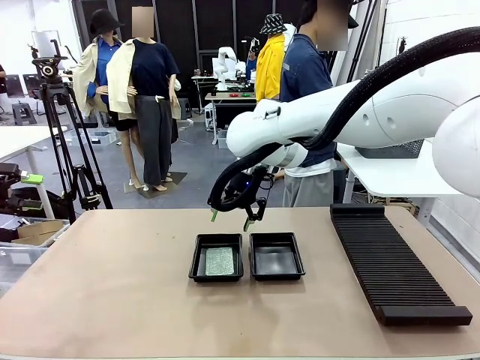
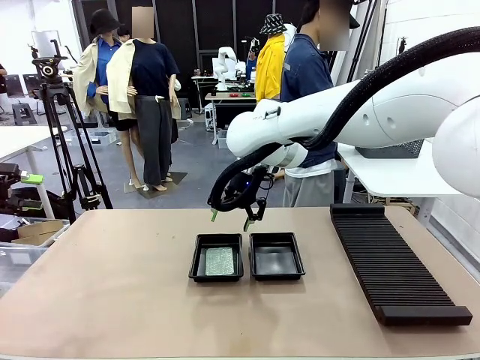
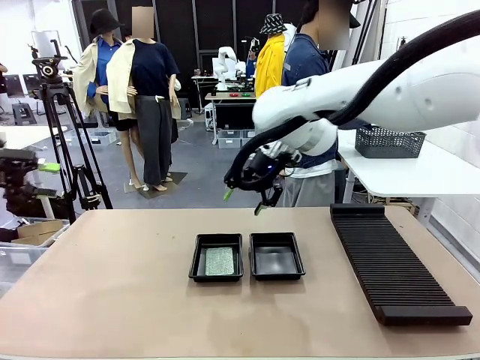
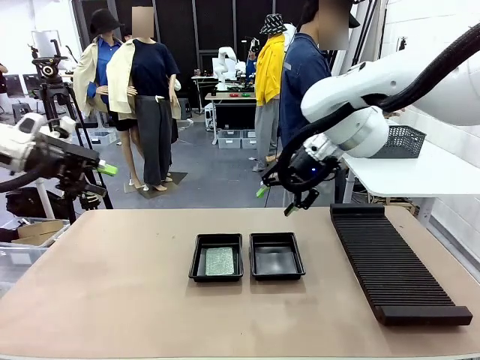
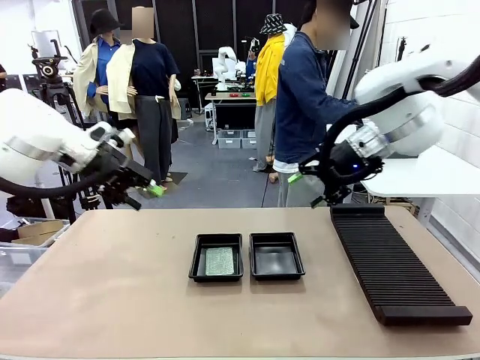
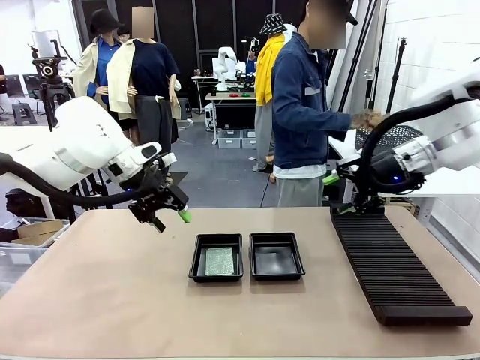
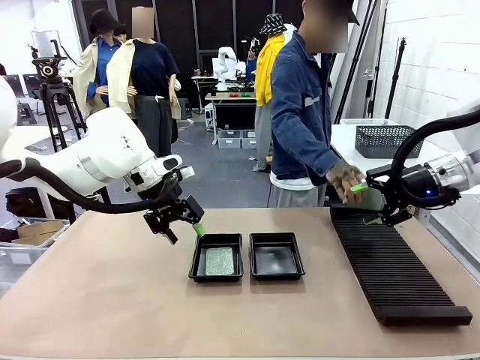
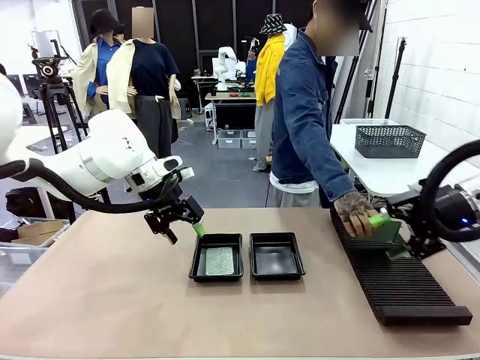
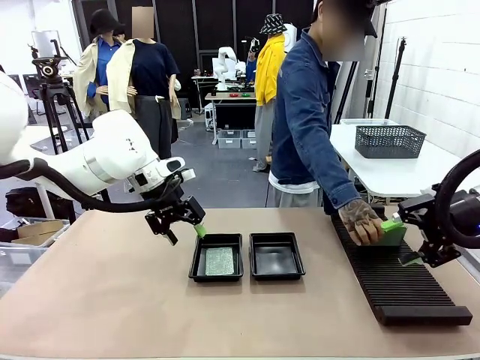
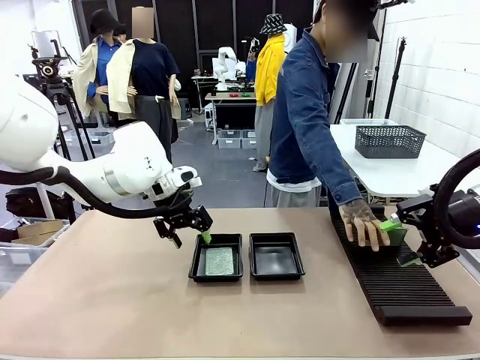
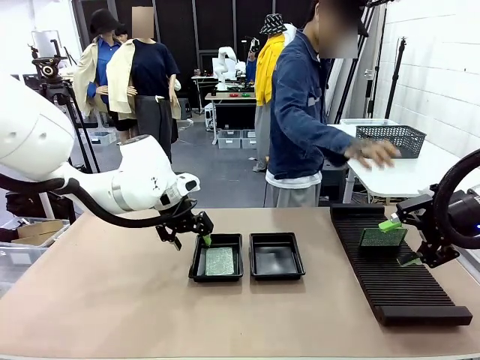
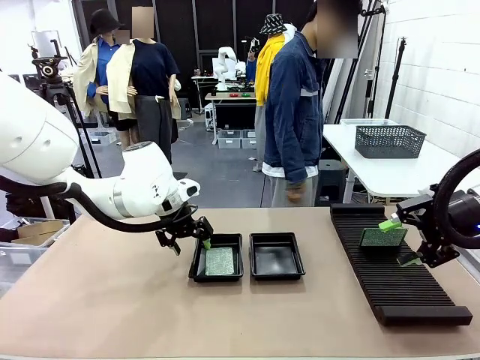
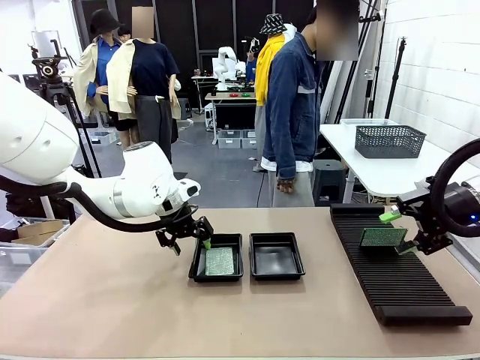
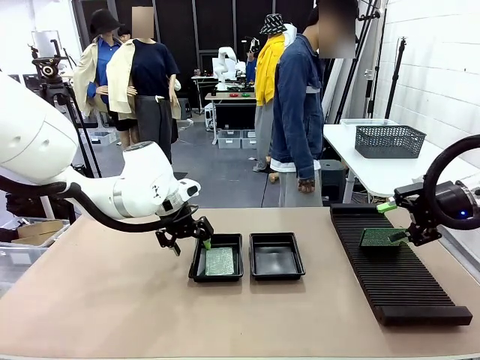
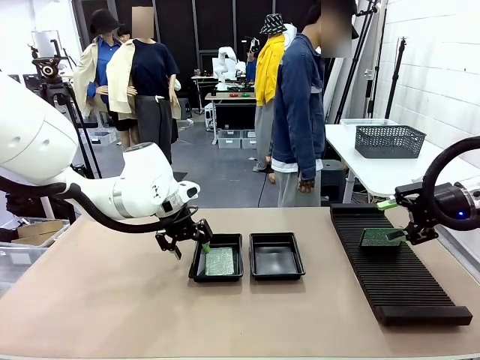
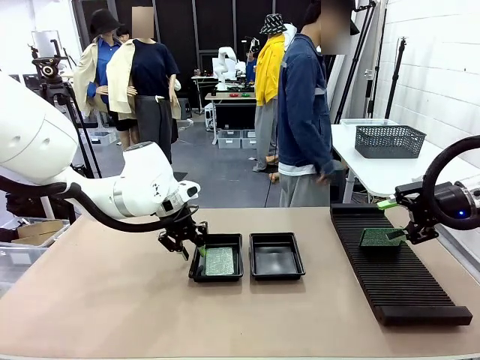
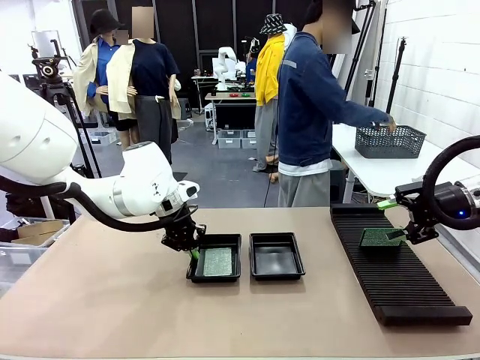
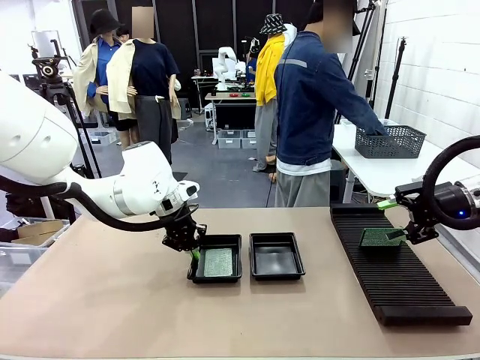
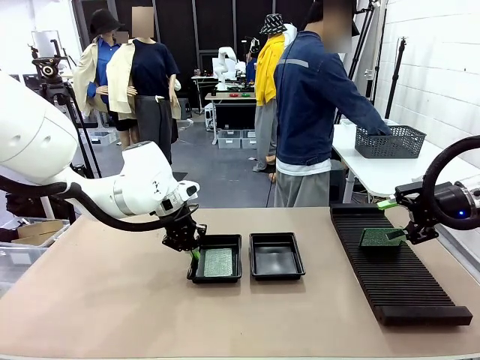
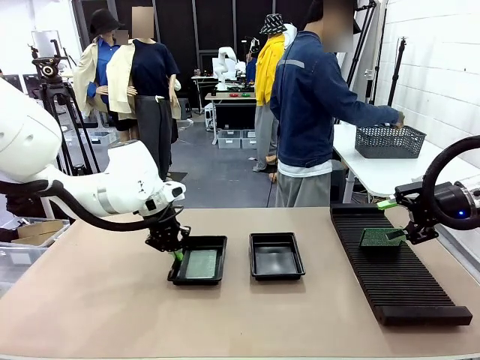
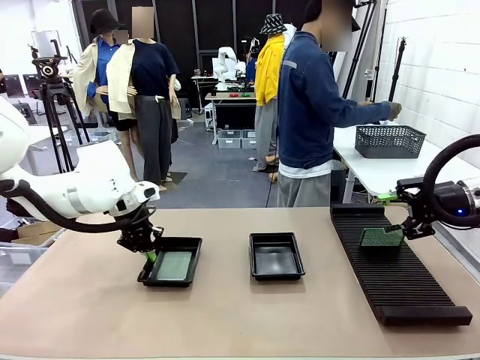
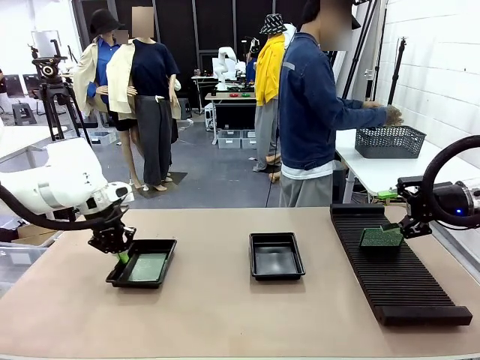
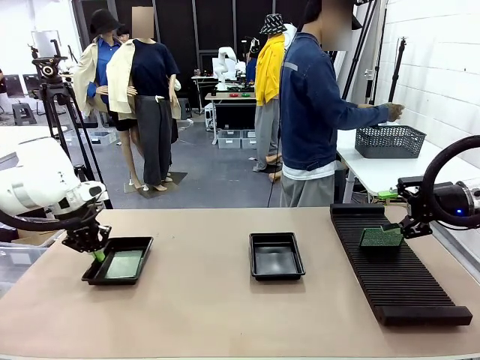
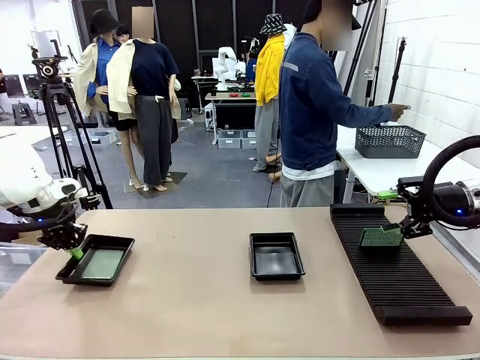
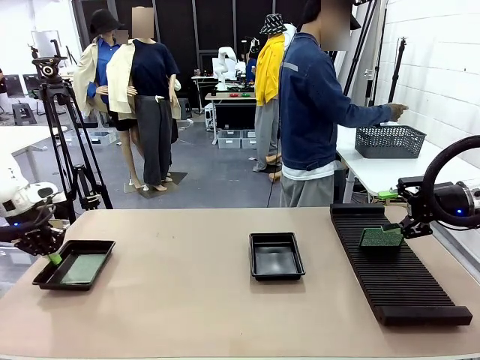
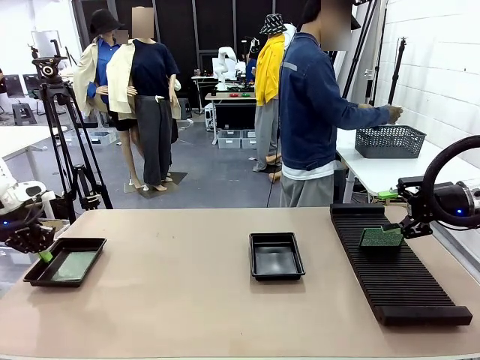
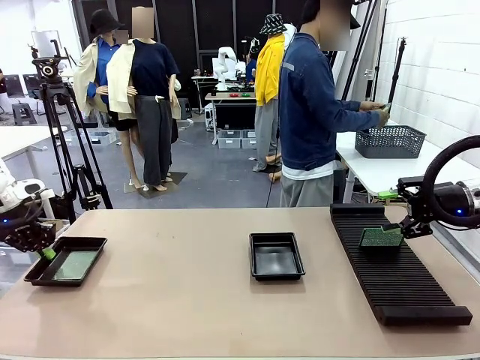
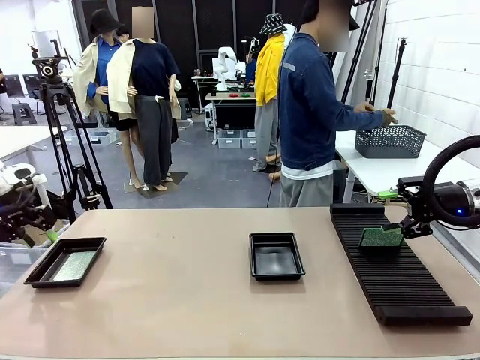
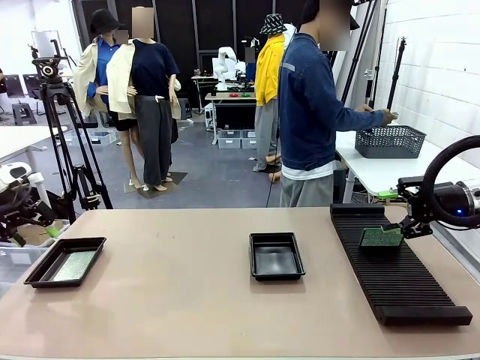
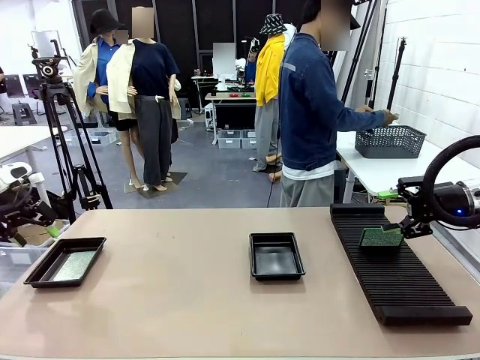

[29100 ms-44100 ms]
Task: Inspect and transfer BCBs to ESD trays.
Robot: Pick up the ESD tray and place it on the left side of the table.

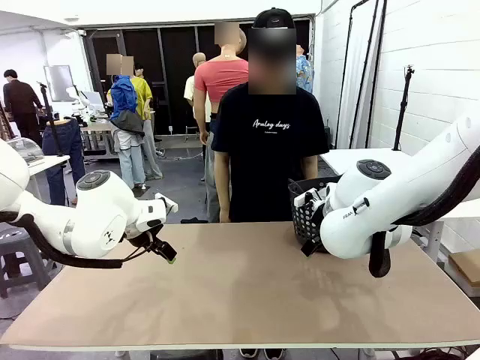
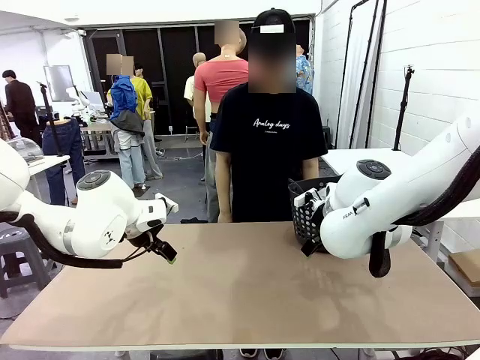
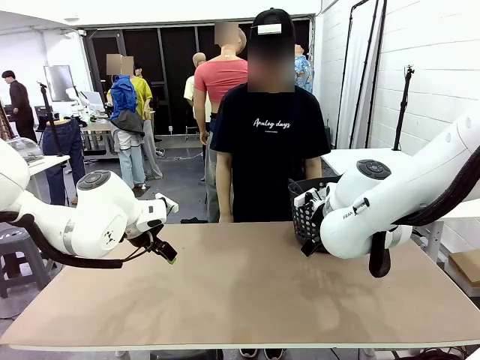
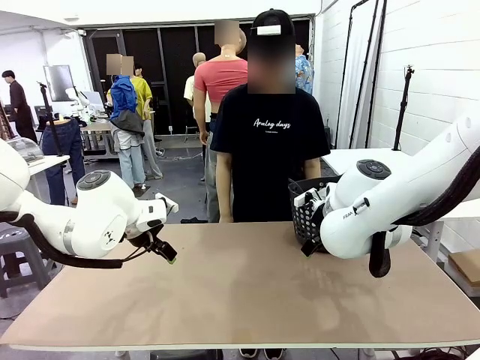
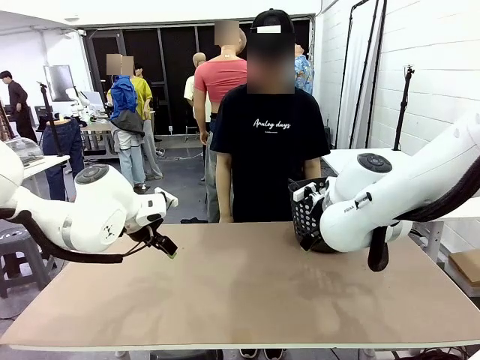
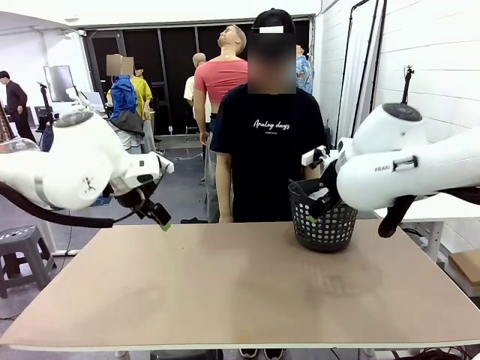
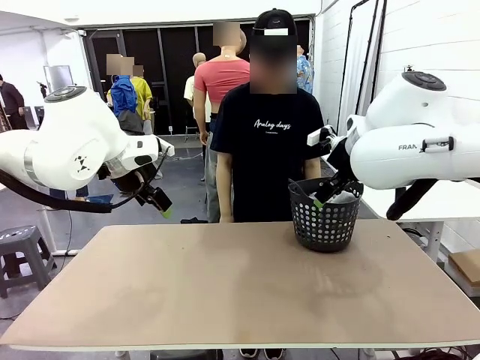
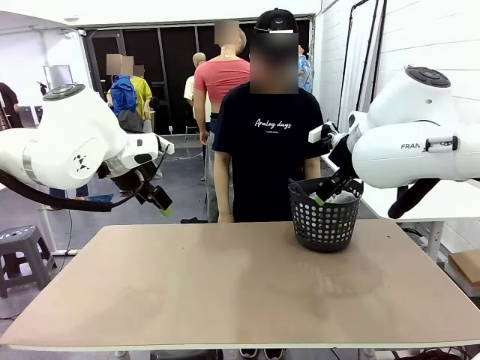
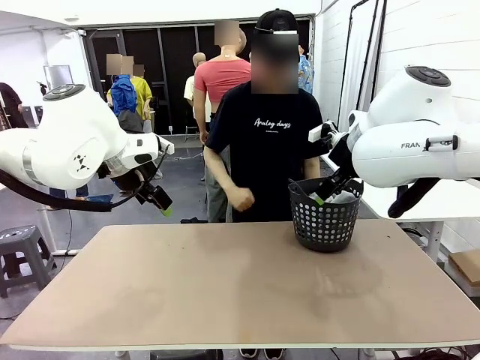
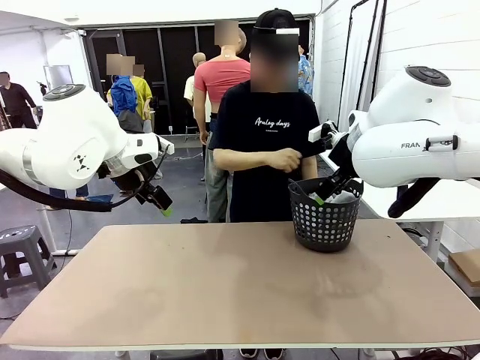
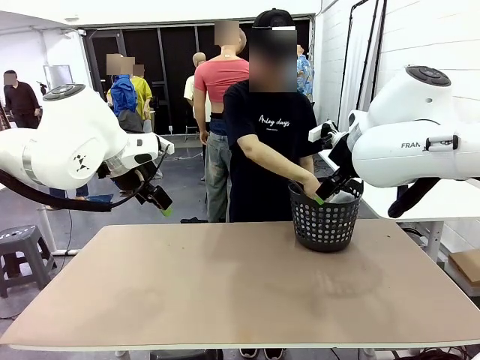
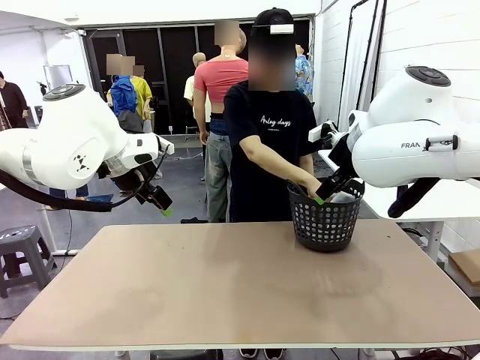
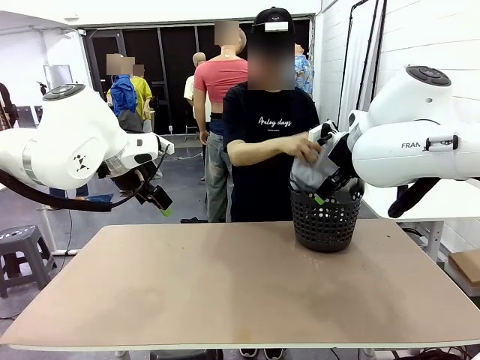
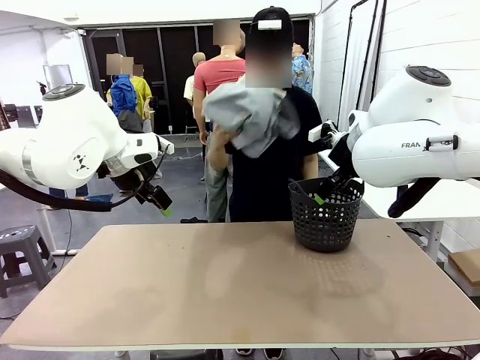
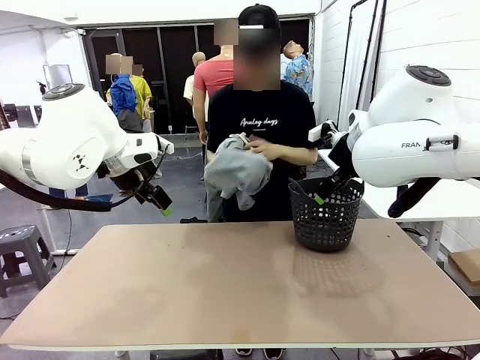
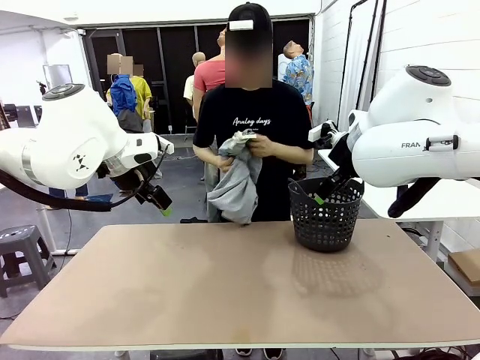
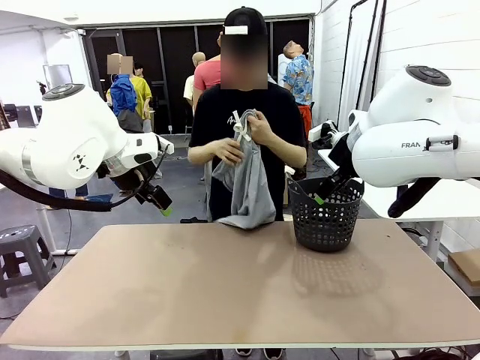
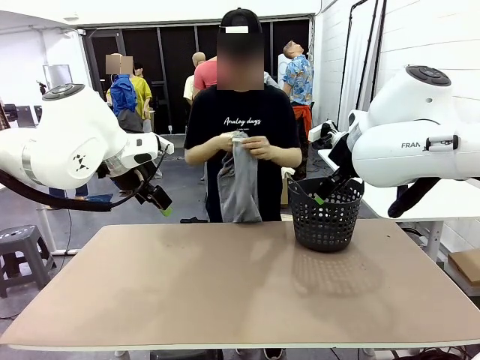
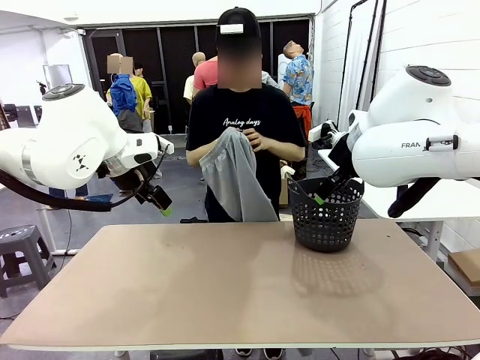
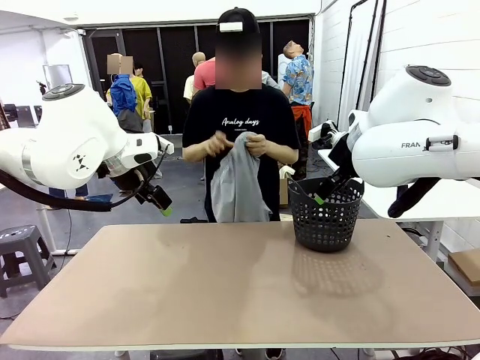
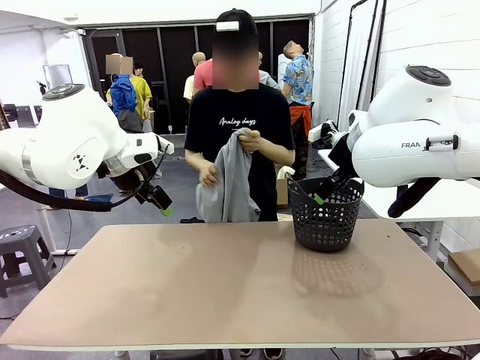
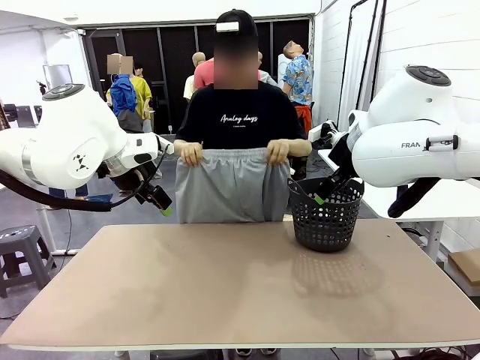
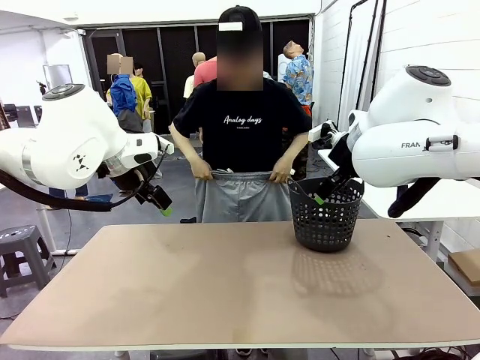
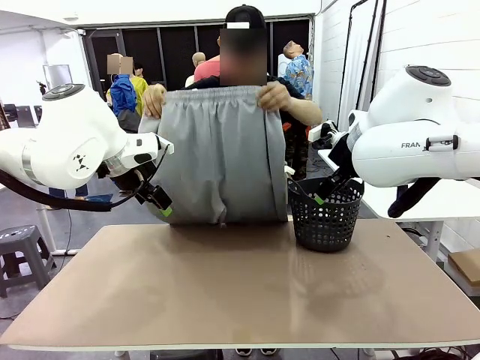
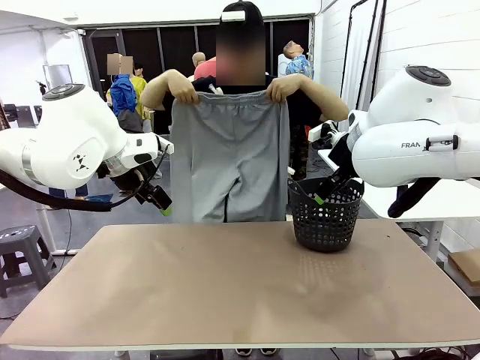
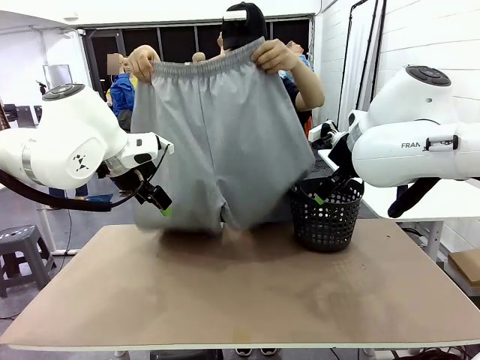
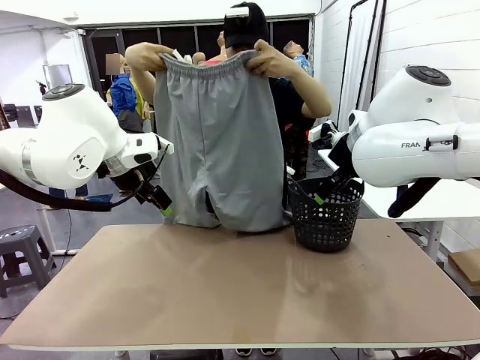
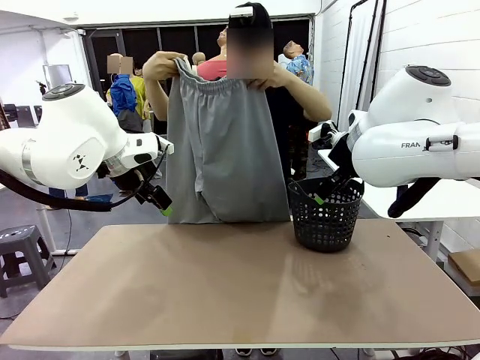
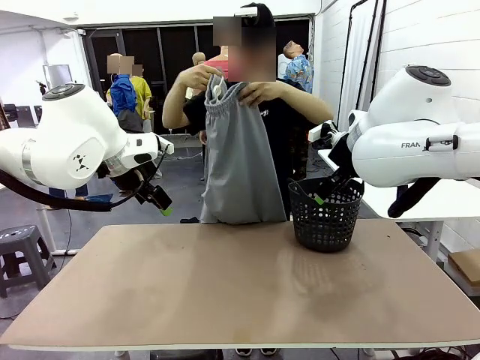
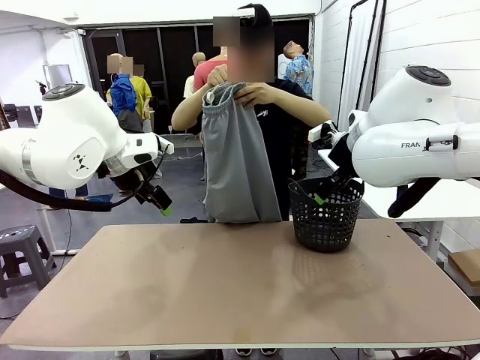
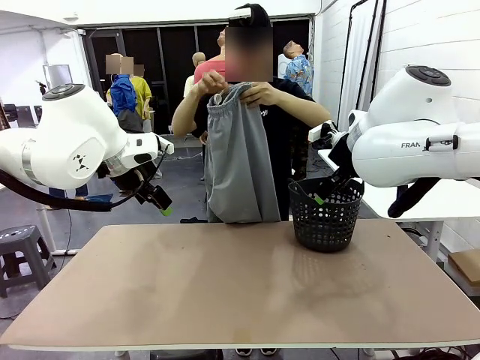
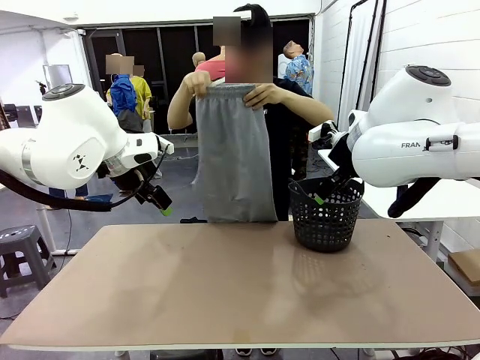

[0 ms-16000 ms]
Task: Fold the training pants.
Robot: Grab both ends of the Training pants handed by a person.
Person: Take the long pants out of the laundry basket, unfold them, fold the waist in half, and extend them so the robot can pick up both corners.
